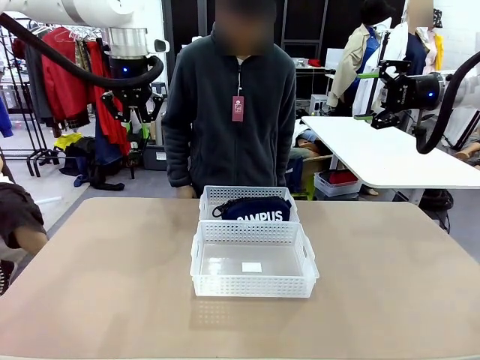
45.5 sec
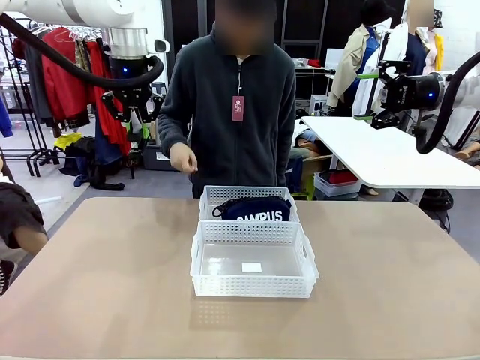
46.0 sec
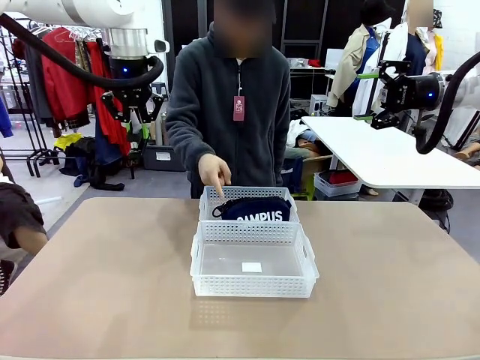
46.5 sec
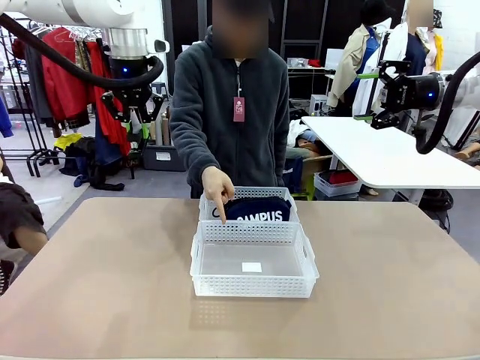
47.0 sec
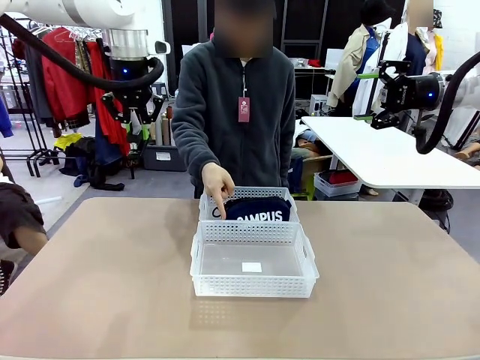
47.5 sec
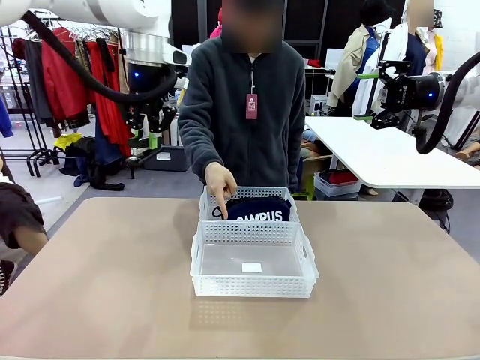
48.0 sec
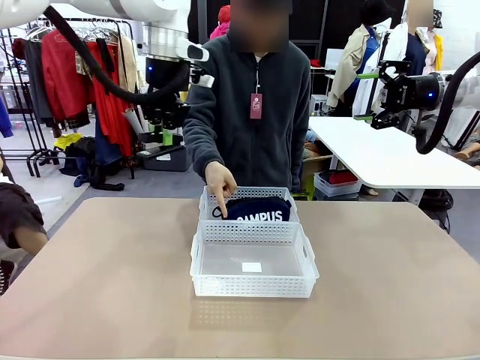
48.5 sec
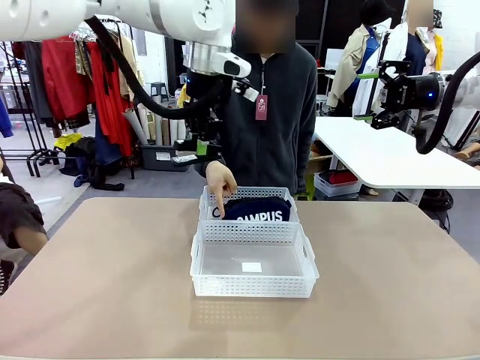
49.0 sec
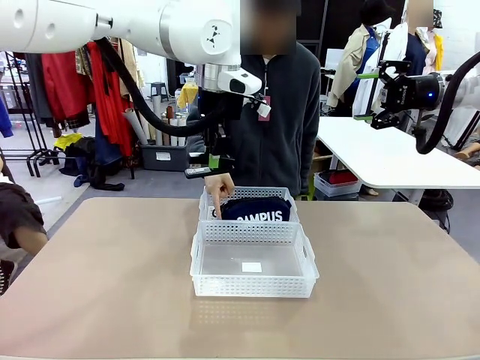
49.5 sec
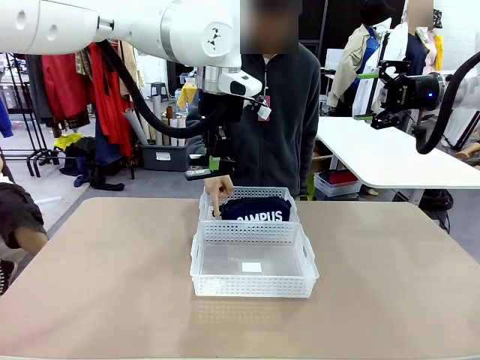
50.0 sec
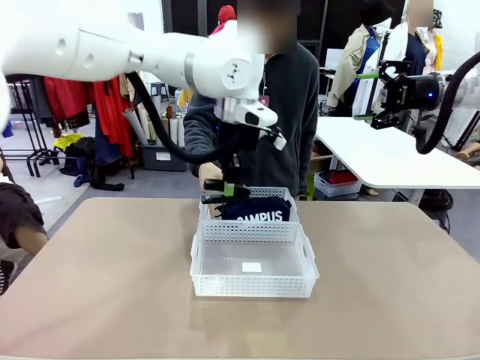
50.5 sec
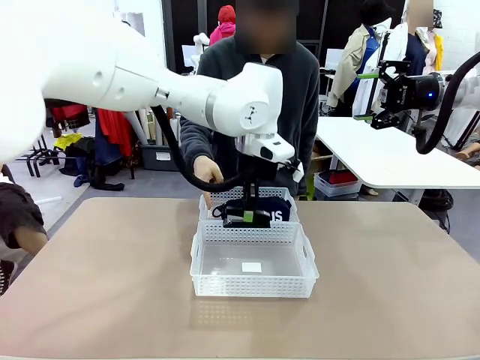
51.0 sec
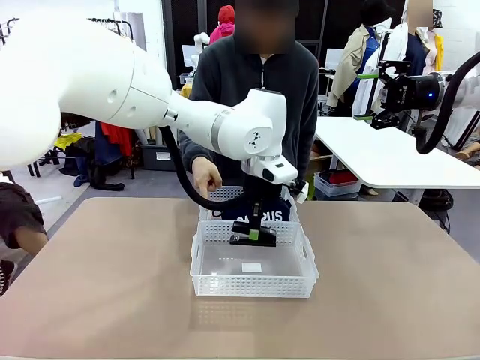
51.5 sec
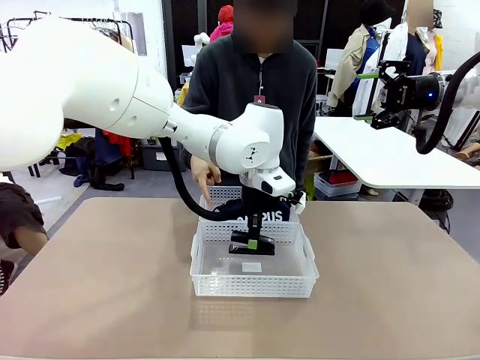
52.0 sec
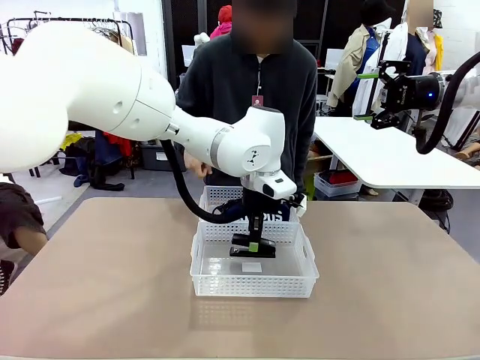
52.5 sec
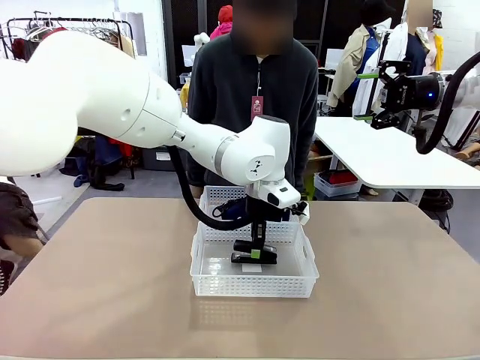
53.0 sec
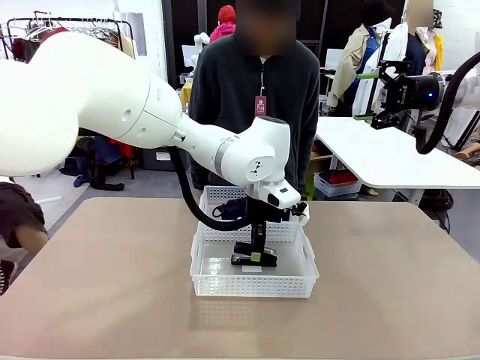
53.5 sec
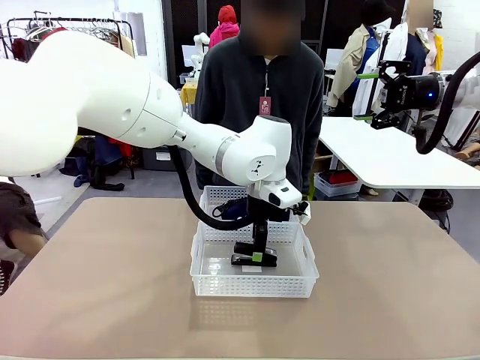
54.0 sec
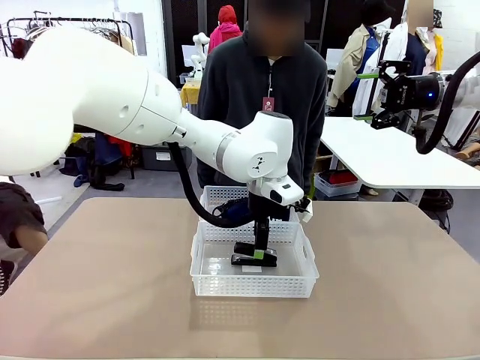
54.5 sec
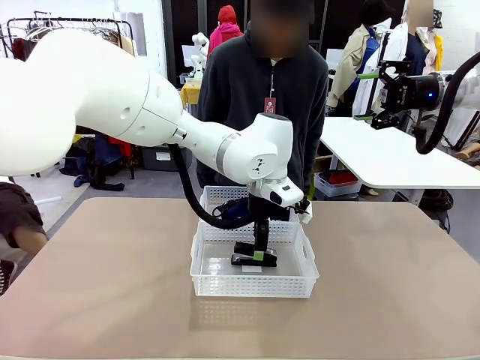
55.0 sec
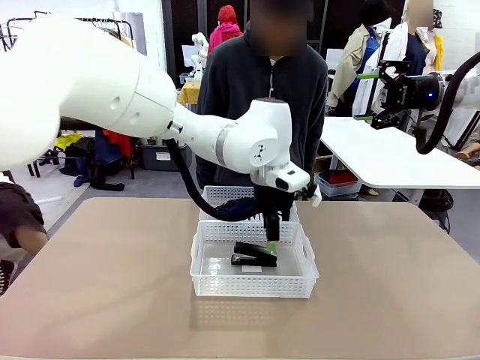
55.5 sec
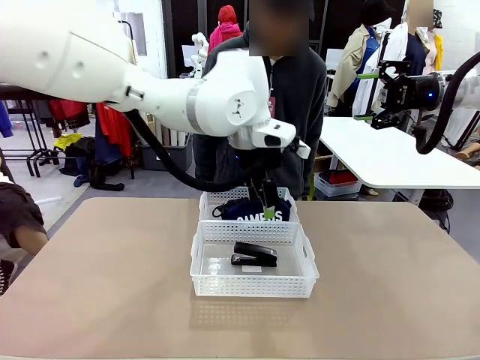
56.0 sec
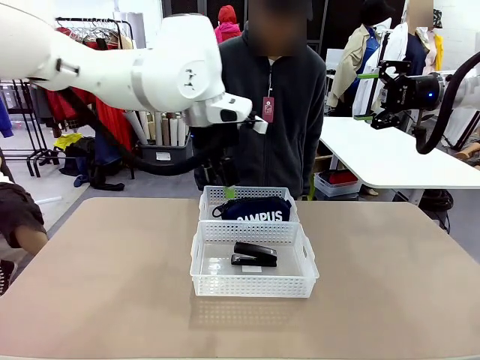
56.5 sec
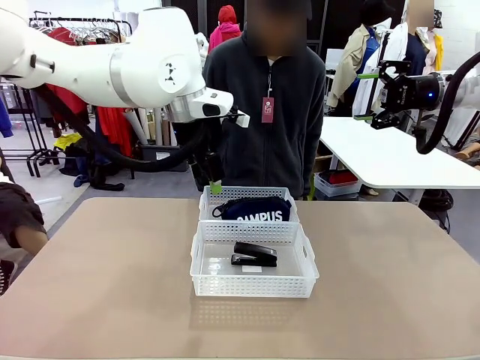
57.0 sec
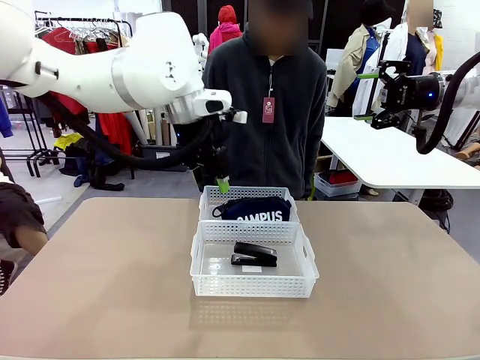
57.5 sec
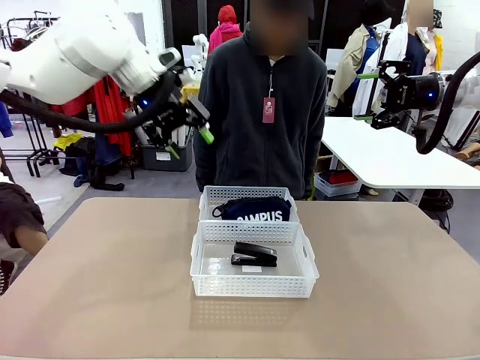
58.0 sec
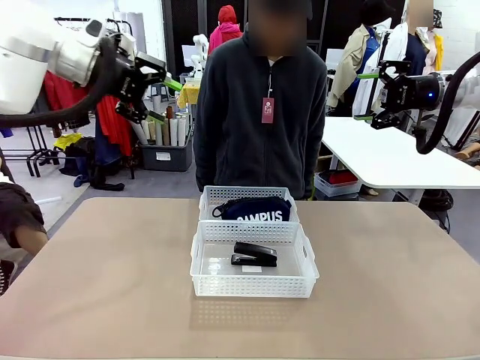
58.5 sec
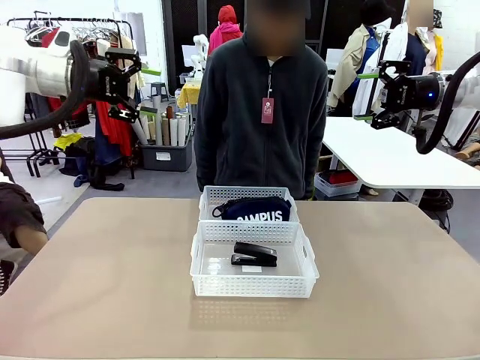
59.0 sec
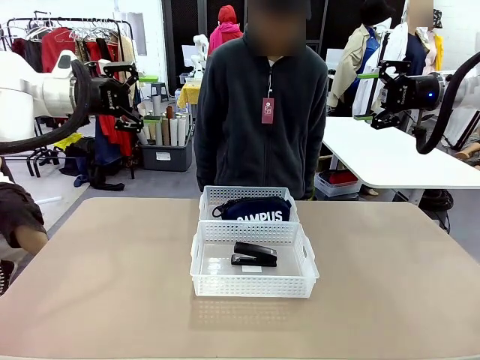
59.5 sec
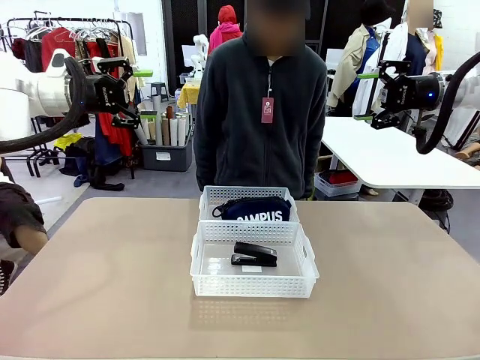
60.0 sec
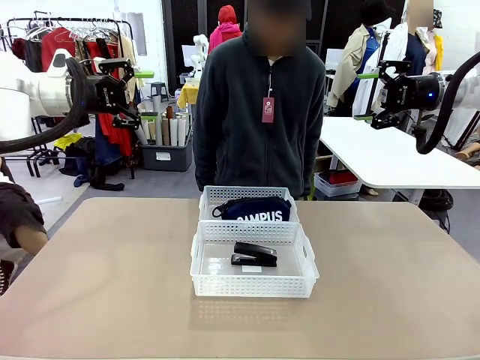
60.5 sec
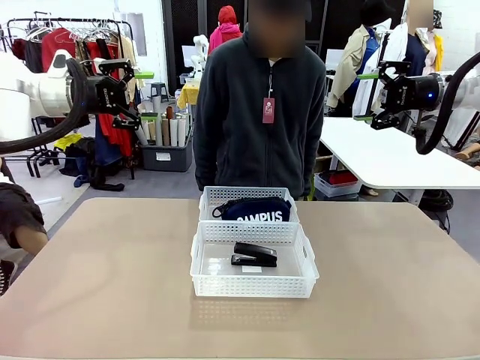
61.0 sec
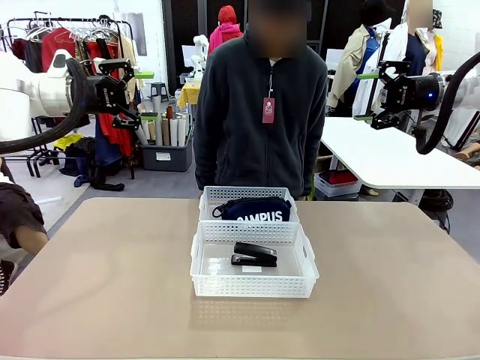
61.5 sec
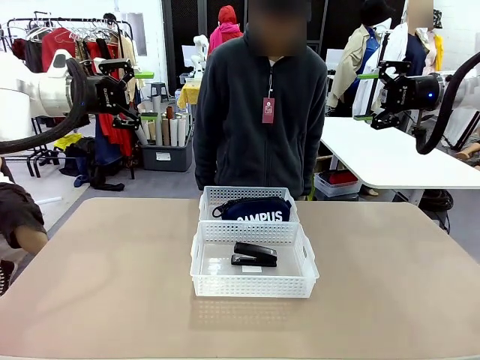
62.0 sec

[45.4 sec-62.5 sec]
Task: Distribute items into two baskets.
Robot: Place the picked Stapler into the Organizing basket as instructed by the person.
Person: Points to the basket that does not contain the pencil case and instructs the robot to move the stapler there.

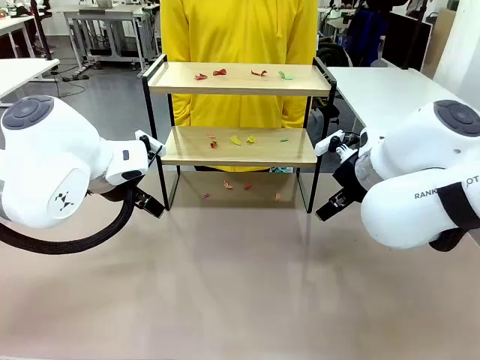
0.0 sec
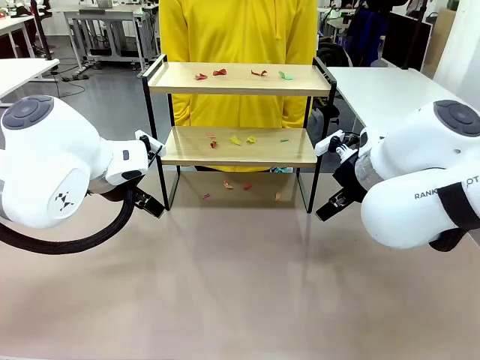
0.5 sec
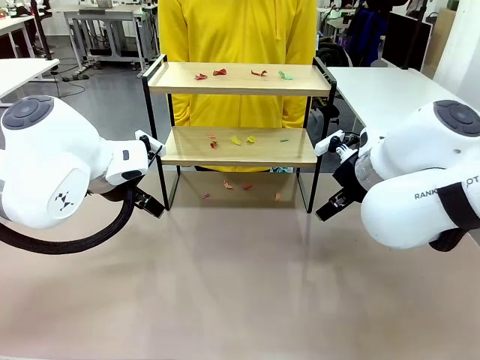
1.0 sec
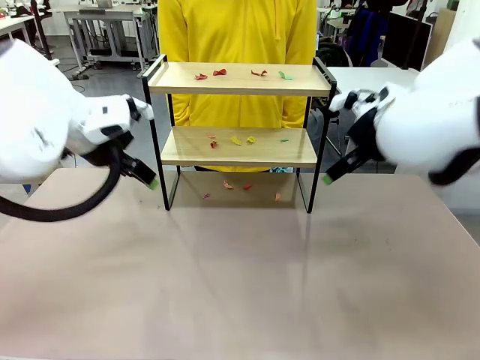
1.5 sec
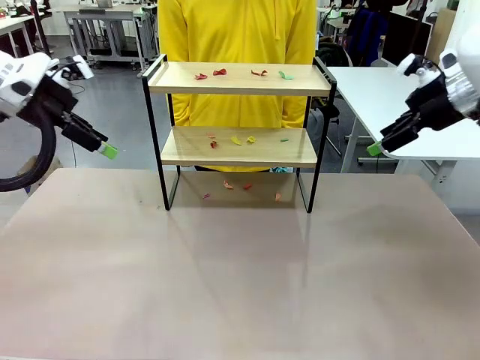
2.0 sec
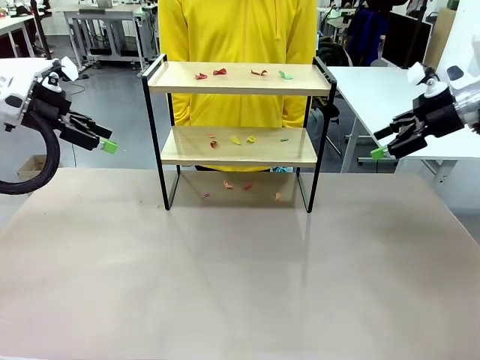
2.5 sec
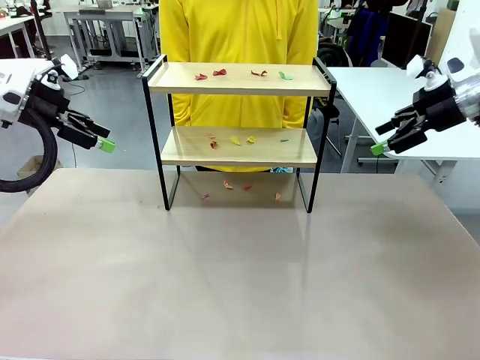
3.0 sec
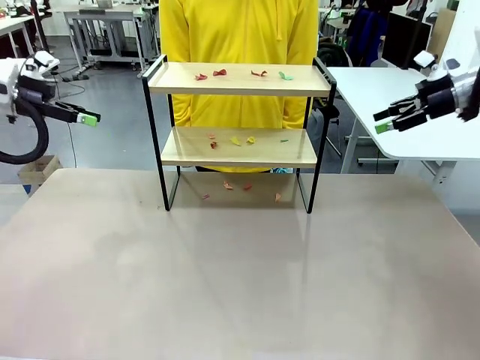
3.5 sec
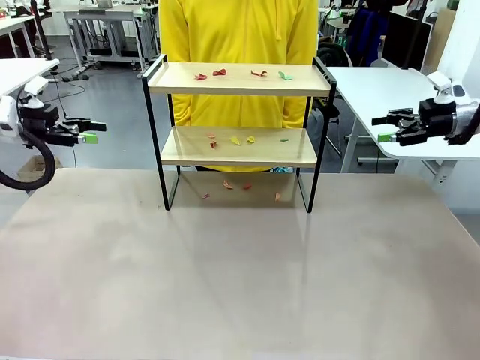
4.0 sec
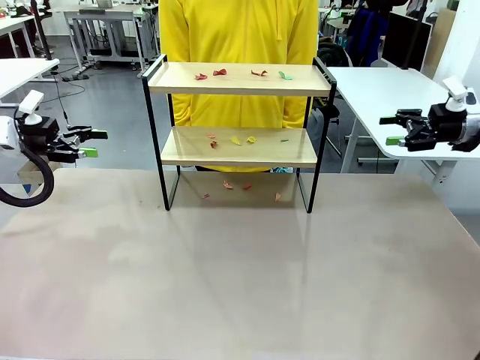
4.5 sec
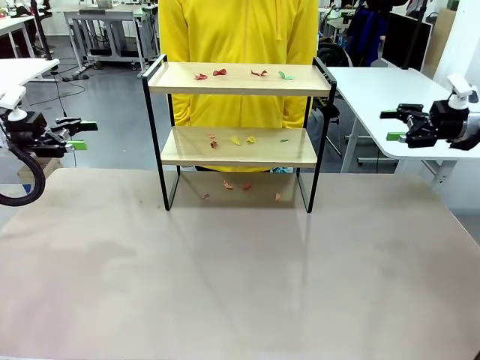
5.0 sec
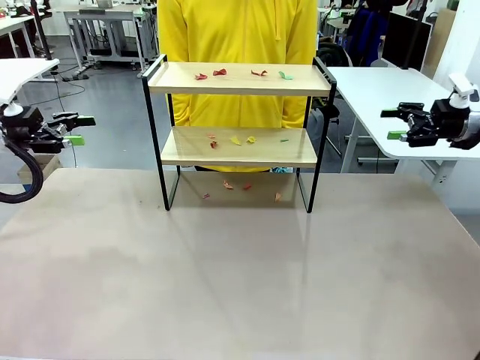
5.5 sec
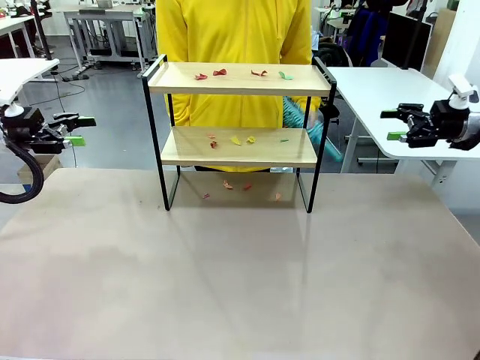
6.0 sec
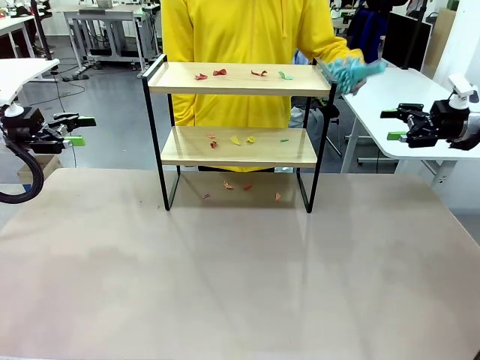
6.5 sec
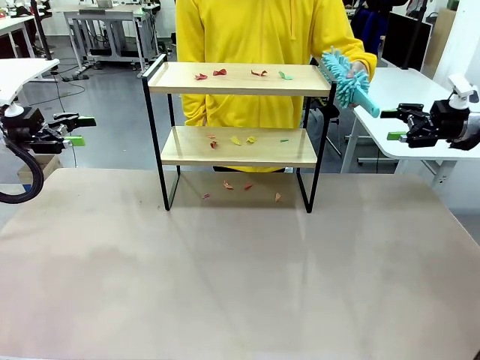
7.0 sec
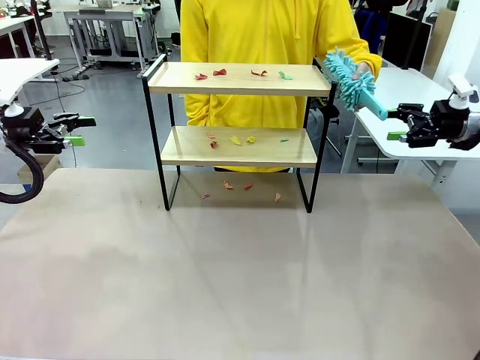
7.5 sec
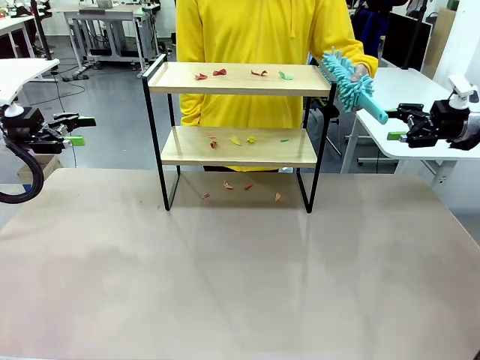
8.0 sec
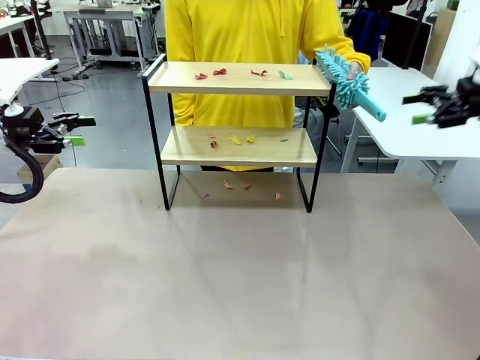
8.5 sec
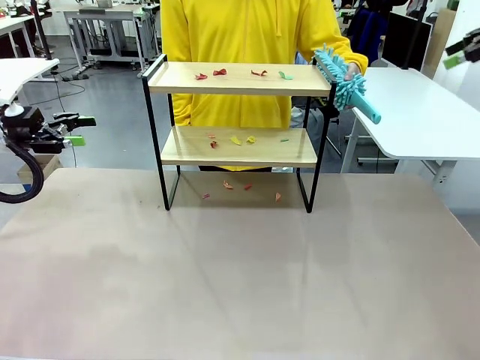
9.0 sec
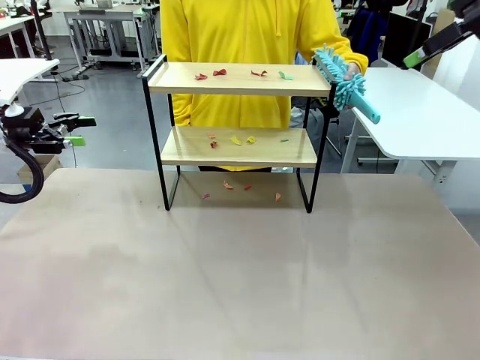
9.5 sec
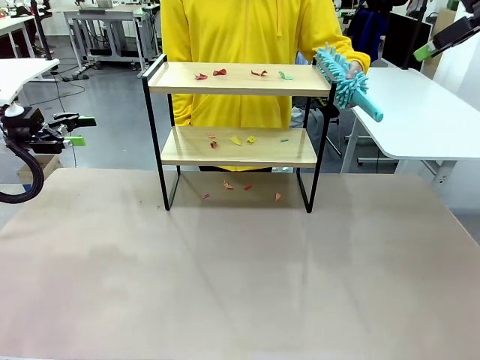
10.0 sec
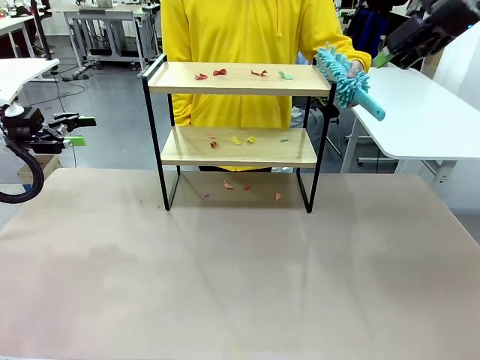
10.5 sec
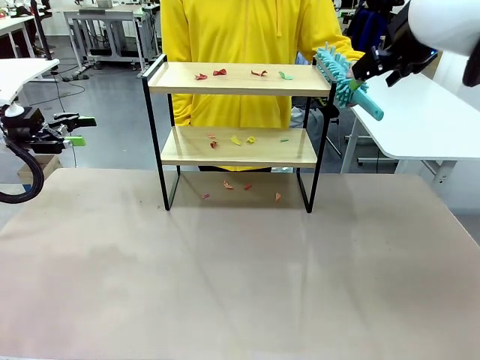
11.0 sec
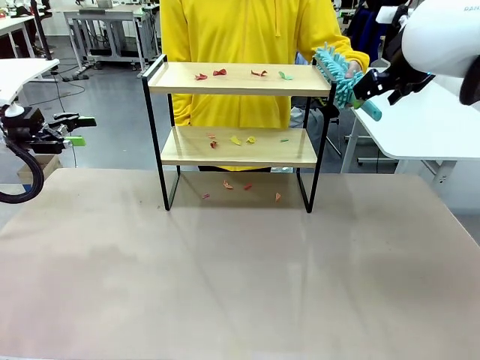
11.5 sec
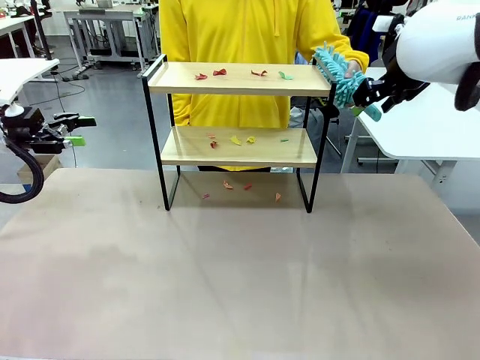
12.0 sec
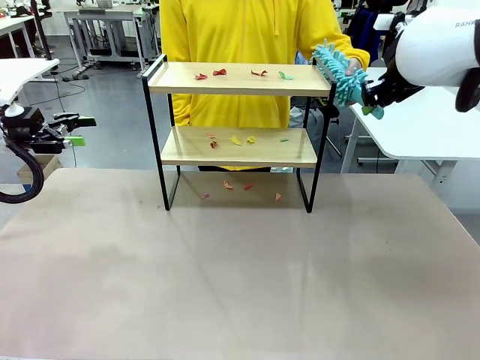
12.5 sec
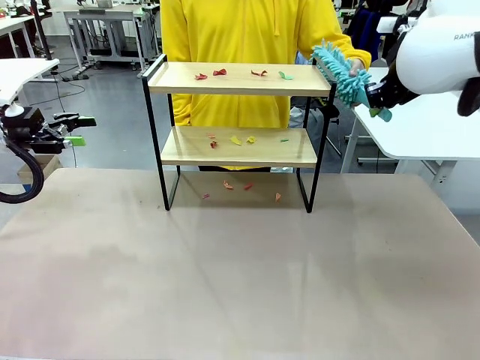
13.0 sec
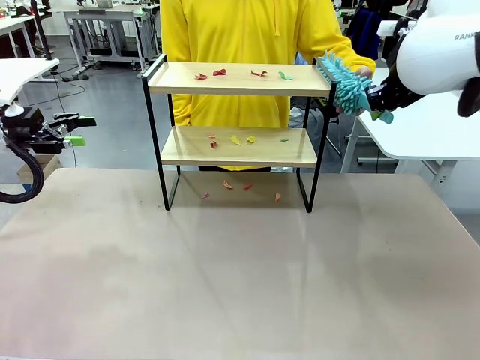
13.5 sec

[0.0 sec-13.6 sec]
Task: Clean the shelf.
Robot: Pick up the Duster handed by the human.
Person: Hand the Duster to the robot.
